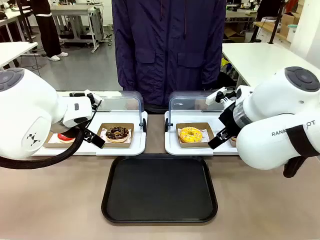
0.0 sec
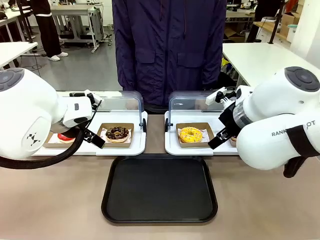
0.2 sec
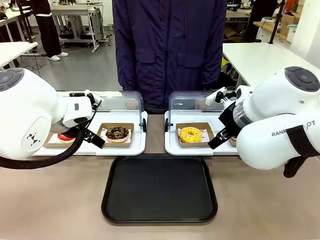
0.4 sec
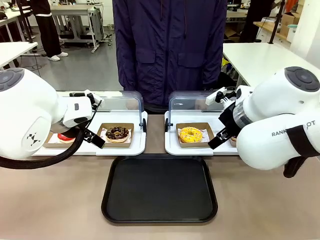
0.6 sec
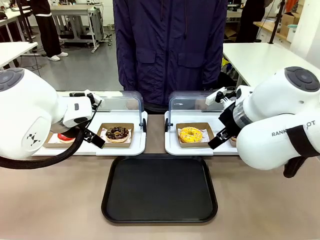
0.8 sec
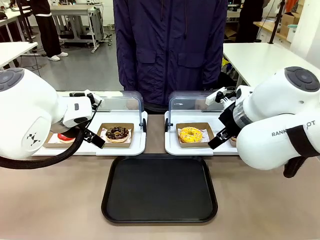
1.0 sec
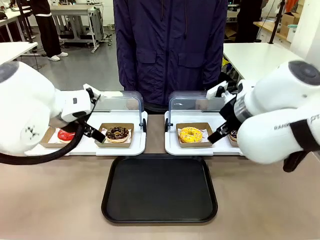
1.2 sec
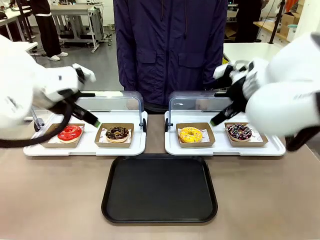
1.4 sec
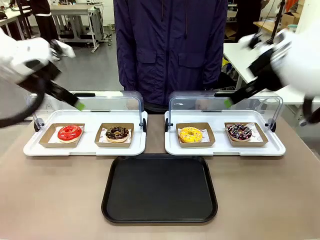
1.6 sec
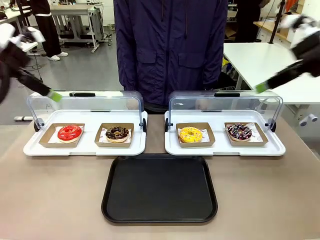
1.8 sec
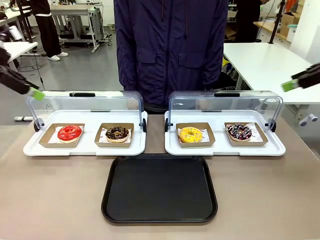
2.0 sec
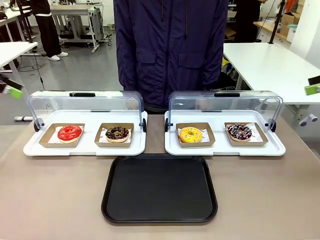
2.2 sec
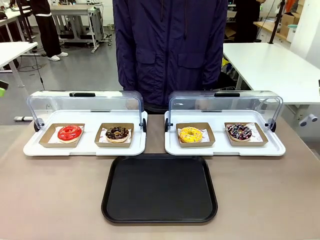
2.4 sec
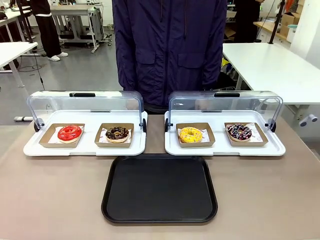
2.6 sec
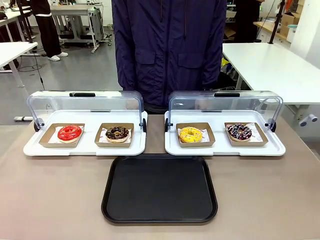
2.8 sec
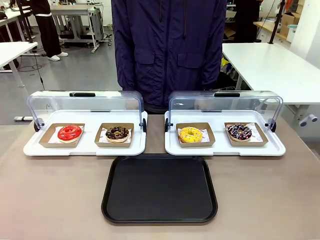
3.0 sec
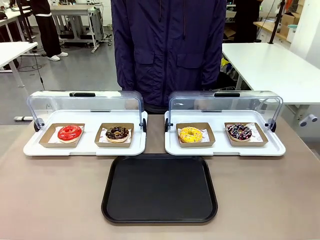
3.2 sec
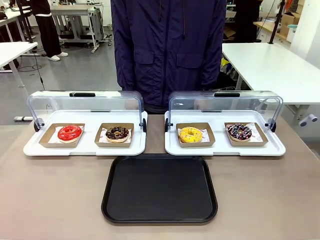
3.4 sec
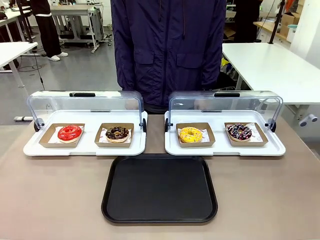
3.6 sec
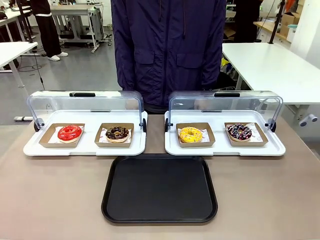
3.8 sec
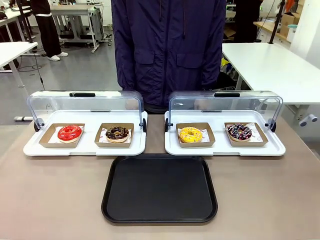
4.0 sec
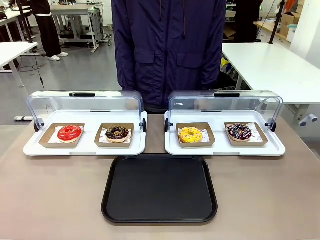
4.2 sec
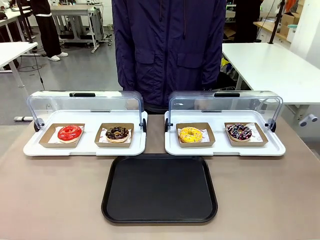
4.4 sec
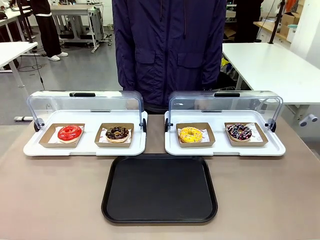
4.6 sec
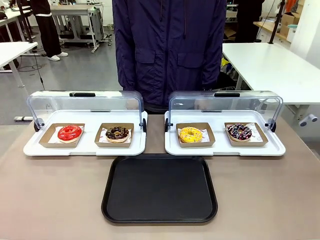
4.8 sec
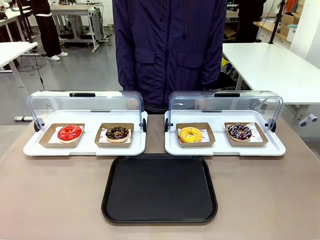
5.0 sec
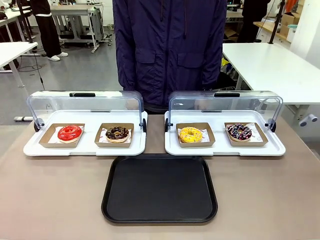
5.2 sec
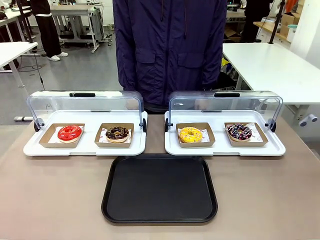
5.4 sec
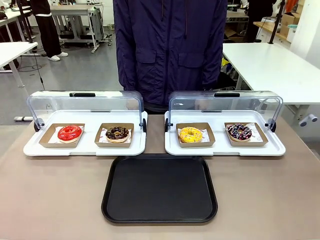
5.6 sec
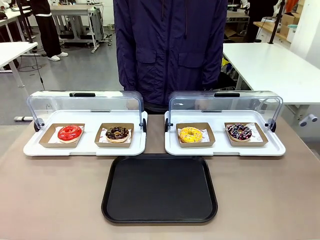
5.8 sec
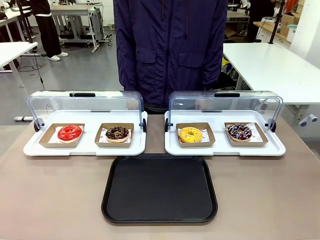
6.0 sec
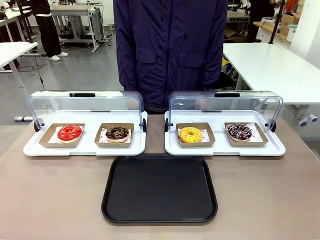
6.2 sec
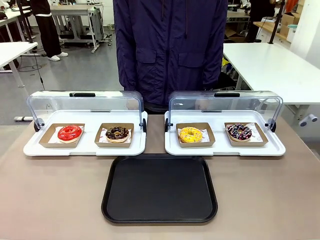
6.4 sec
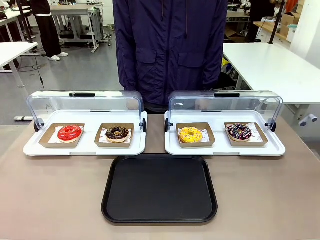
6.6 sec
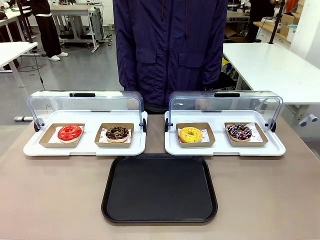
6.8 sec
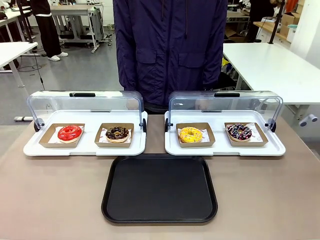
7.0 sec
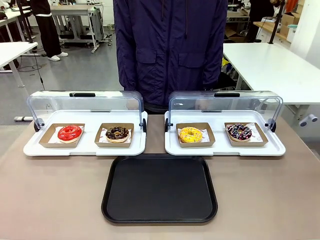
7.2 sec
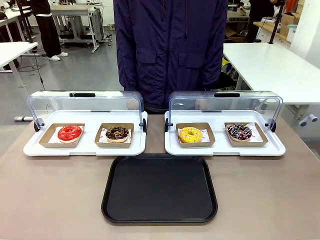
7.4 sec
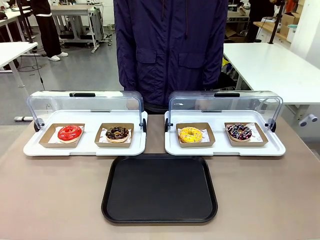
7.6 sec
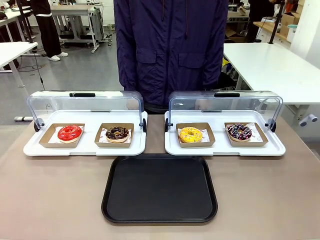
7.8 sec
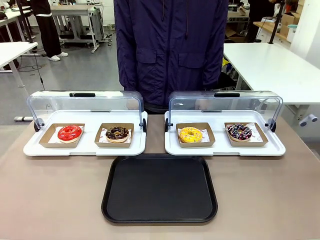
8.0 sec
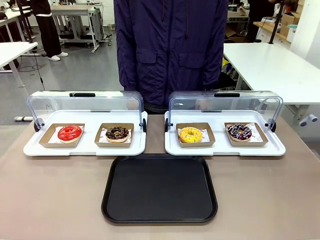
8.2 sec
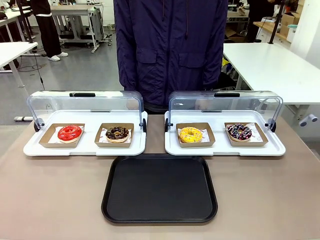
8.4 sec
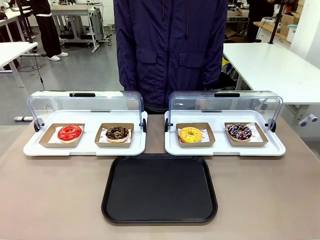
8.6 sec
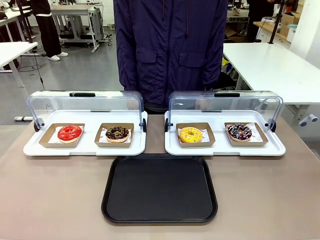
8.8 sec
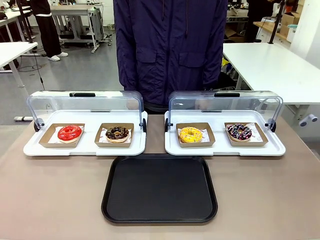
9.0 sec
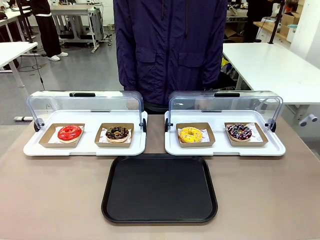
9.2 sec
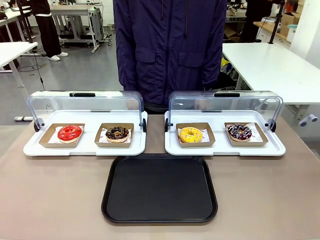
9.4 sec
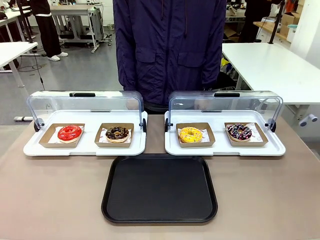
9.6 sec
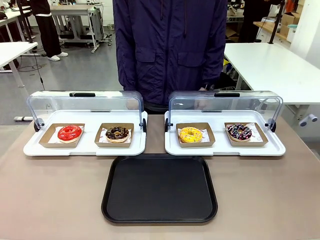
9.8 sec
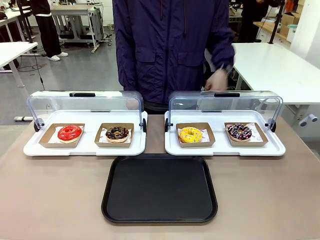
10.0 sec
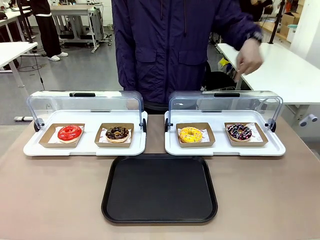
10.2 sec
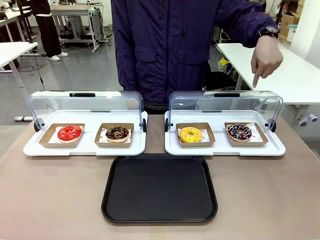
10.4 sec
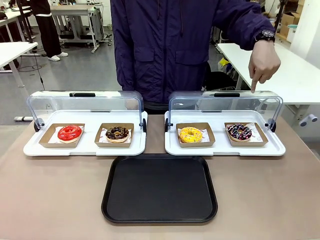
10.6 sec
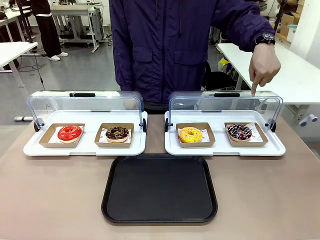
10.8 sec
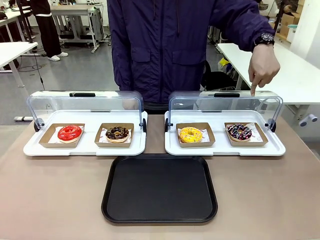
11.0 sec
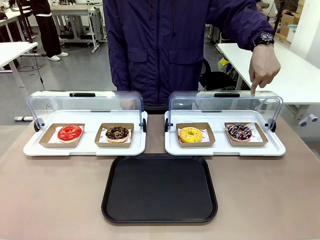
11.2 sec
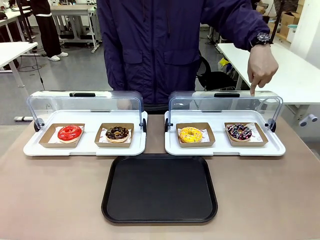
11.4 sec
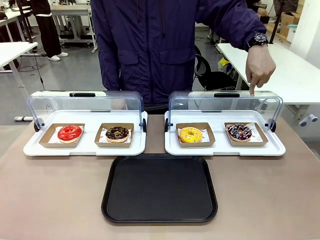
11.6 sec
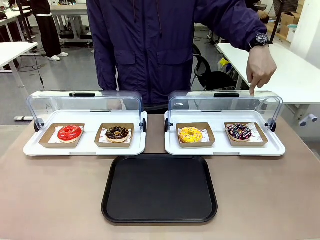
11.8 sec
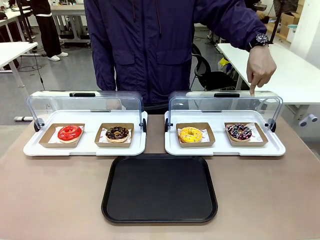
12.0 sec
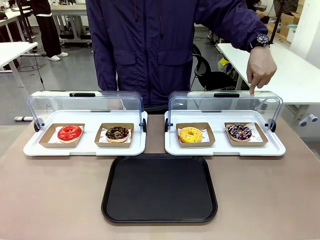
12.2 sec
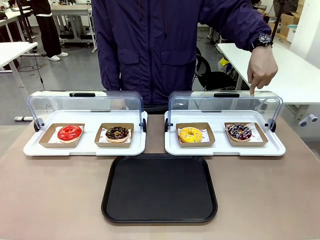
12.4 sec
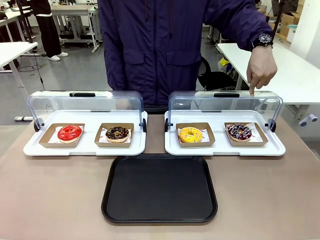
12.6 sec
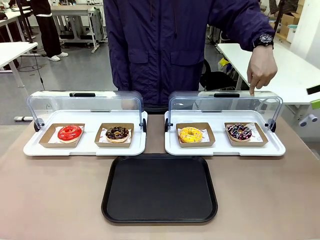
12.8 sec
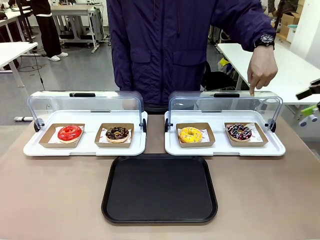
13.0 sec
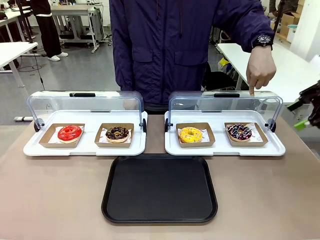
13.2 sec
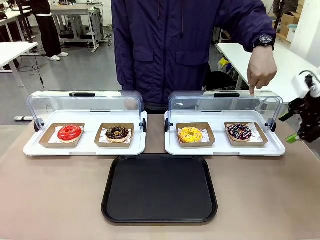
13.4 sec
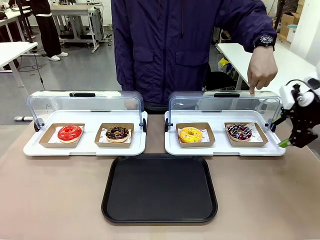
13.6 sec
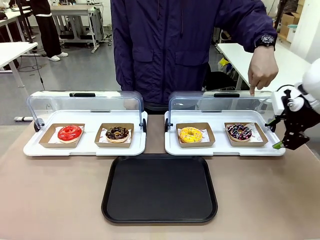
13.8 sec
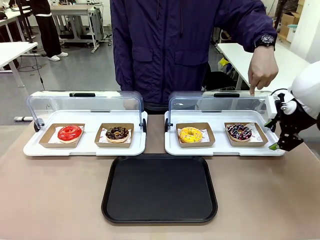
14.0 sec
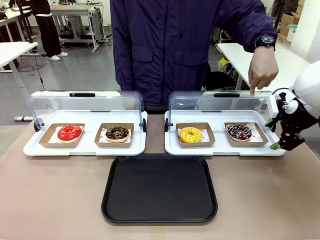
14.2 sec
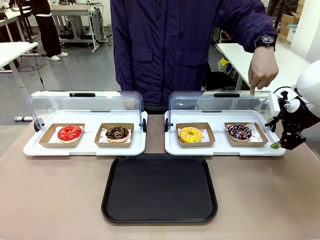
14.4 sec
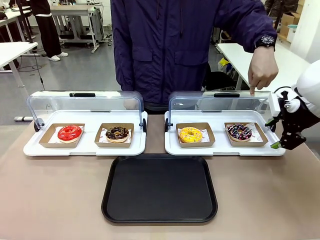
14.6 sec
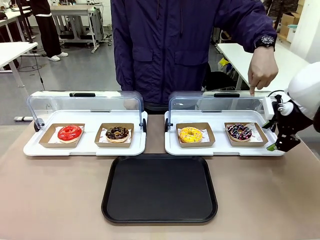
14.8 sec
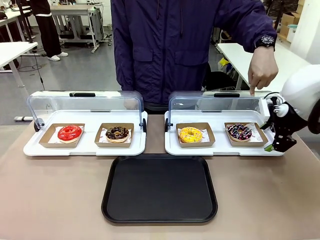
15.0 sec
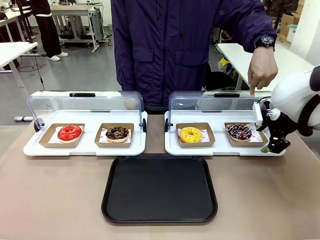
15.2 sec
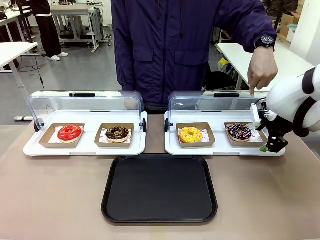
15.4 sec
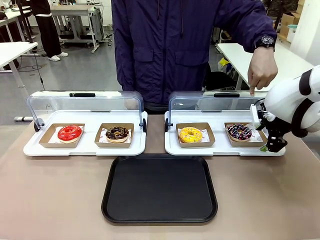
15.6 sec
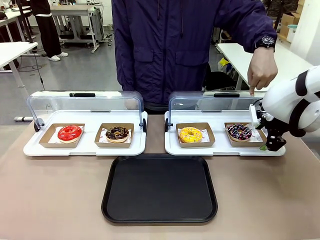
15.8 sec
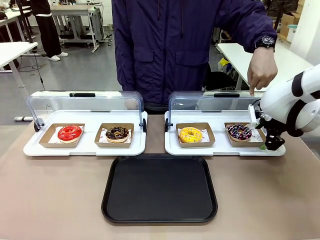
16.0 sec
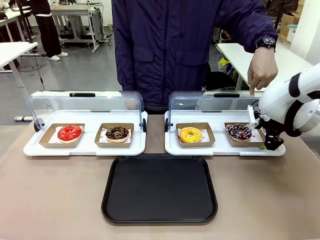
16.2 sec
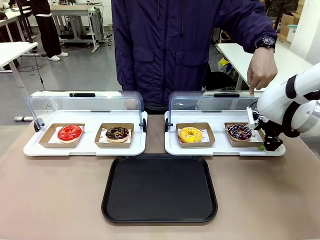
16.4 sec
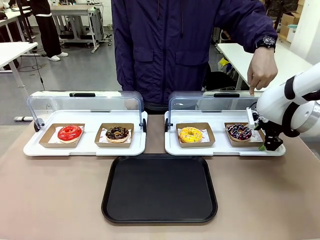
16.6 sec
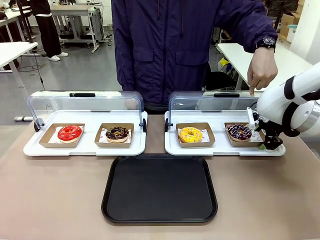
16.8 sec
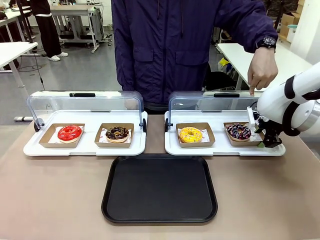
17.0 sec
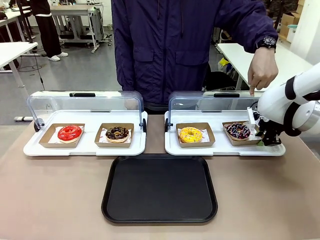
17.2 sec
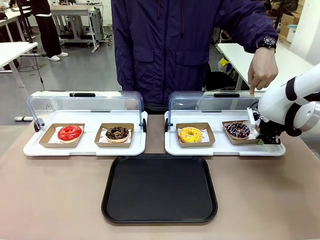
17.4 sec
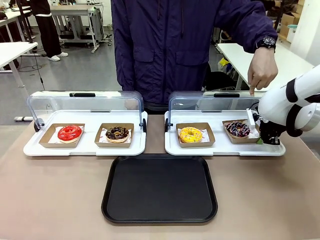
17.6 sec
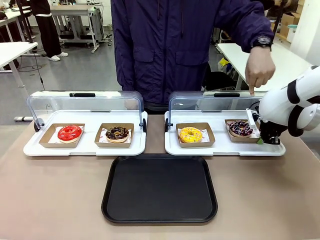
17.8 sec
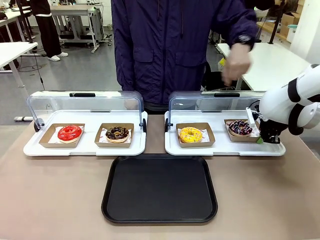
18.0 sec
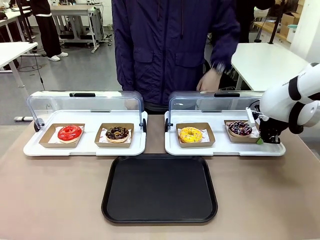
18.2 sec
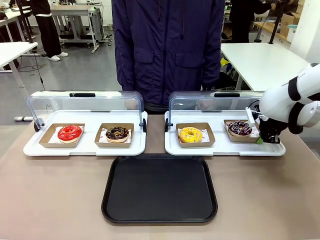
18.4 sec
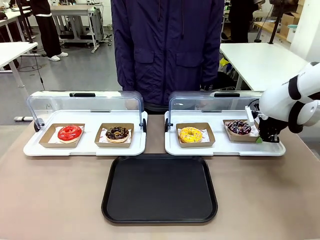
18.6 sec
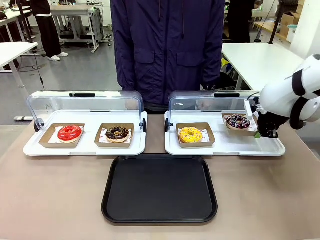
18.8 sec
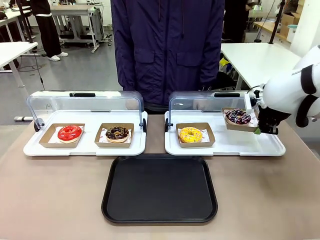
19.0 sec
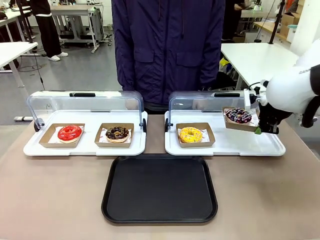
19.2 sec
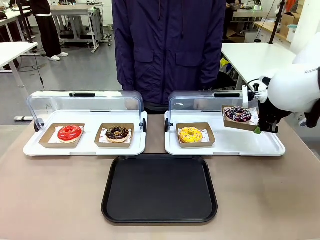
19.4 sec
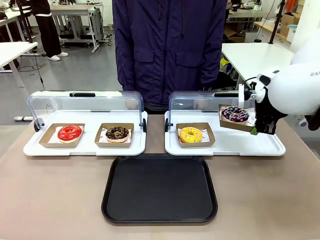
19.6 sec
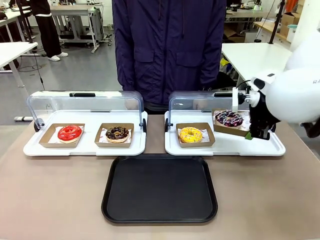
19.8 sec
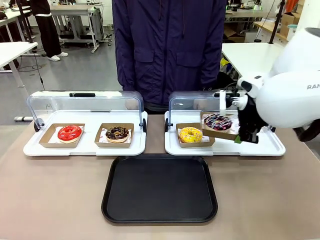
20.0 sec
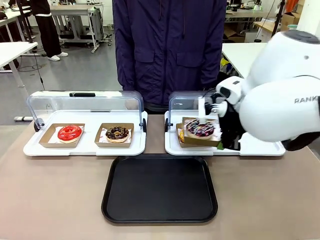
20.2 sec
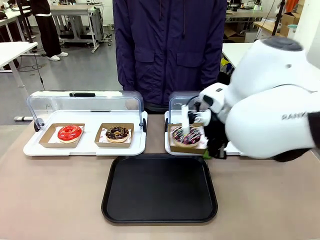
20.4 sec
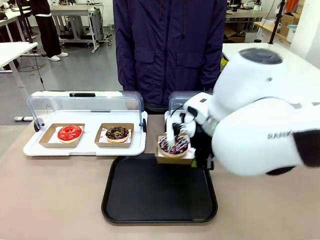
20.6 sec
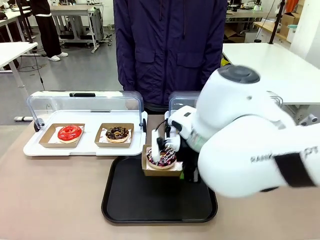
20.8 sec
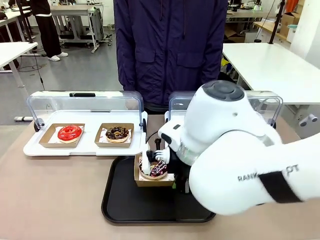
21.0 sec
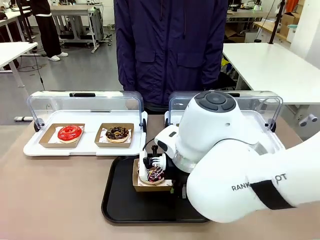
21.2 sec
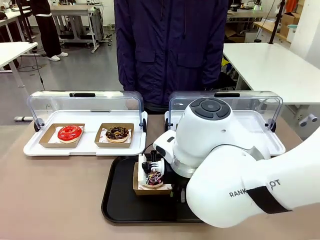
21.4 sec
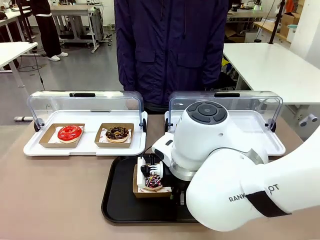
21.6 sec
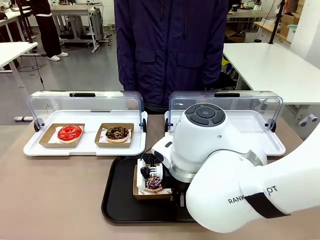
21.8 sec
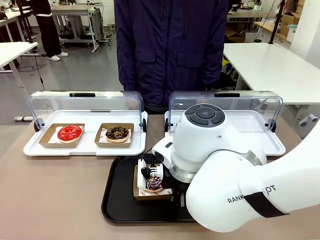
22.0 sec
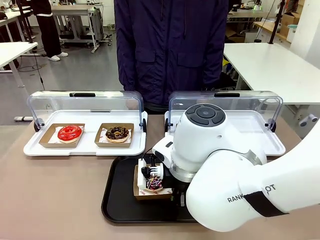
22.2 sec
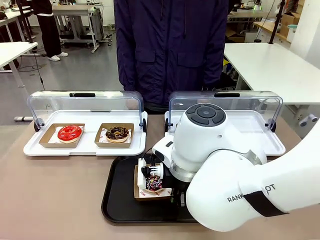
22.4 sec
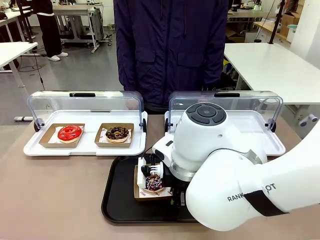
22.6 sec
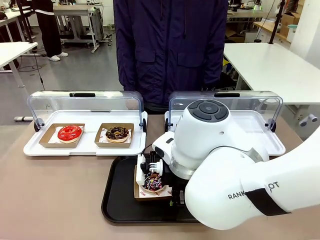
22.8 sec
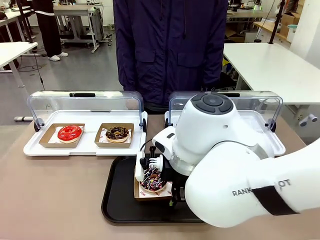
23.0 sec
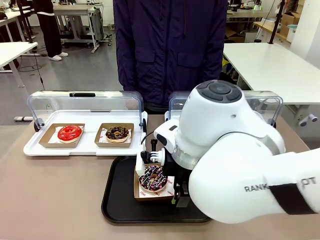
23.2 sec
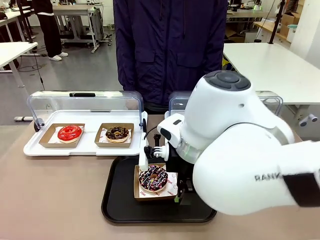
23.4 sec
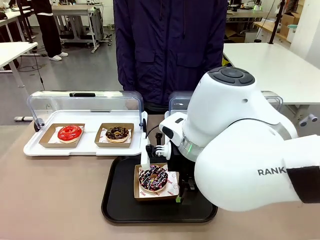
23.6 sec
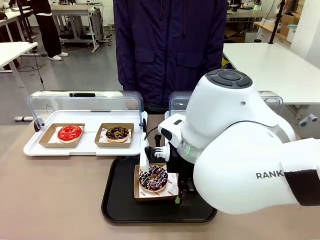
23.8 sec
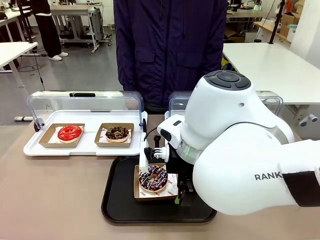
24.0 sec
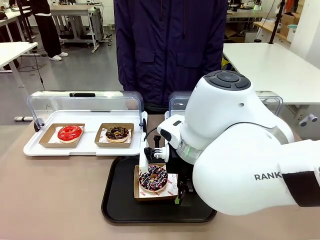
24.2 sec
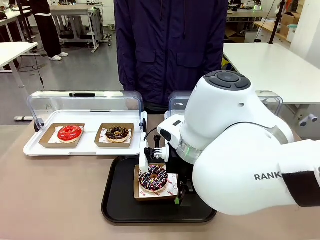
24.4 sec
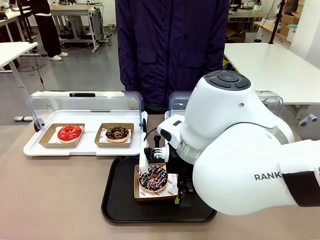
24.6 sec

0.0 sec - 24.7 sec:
Task: Move the fourth donut from the left to the tray.
Robot: Pick up the Paper togo box containing the Donut indicated by the person and place it on the Handle tray.
Person: Points to the fourth donut from the left from the robot’s perspective.
